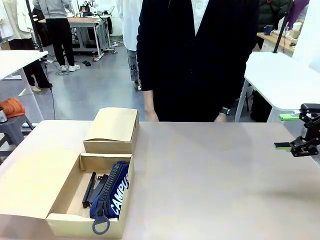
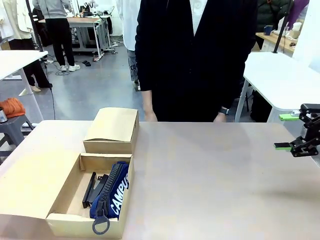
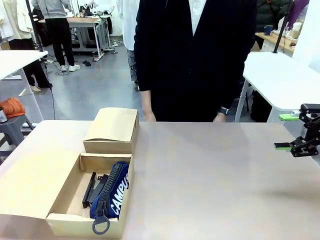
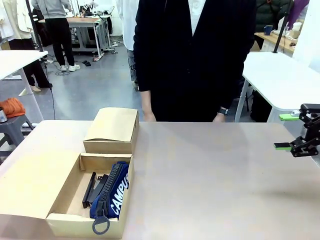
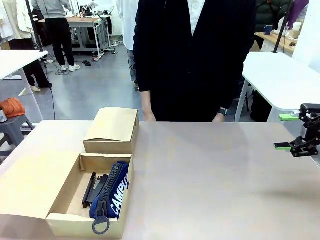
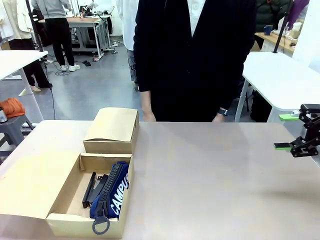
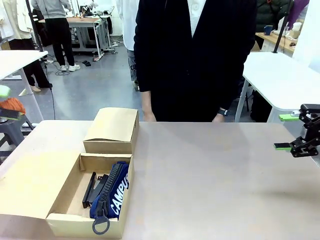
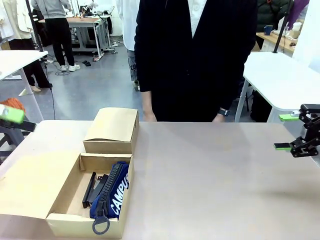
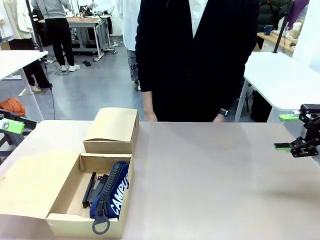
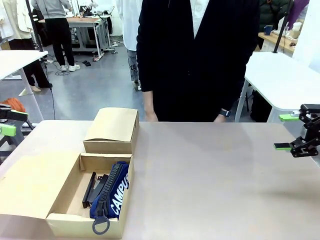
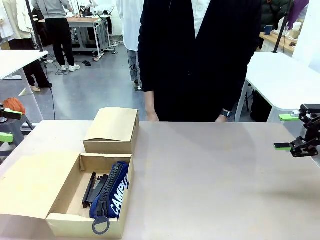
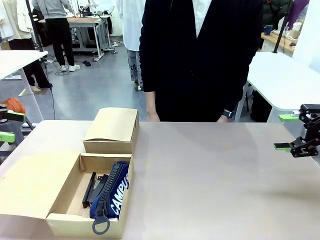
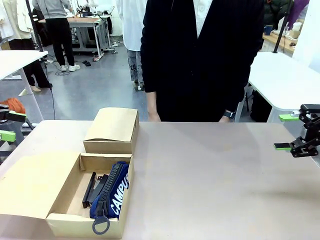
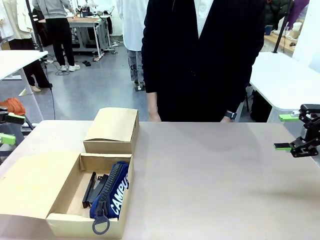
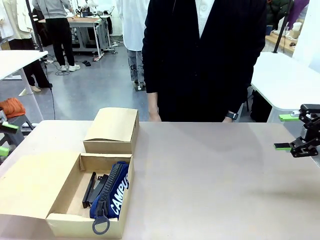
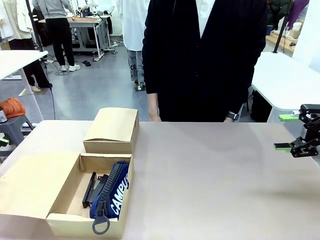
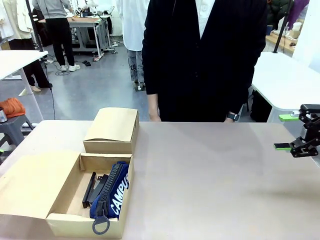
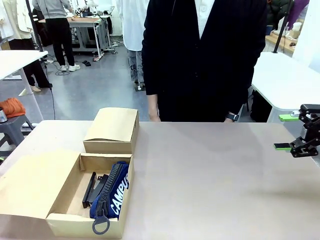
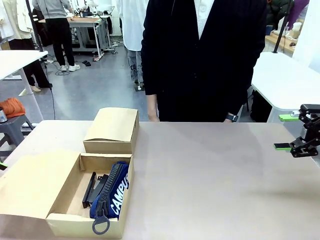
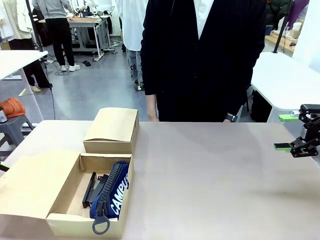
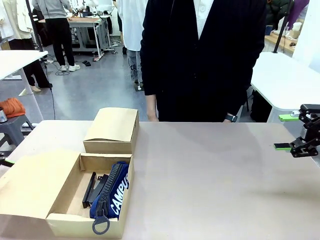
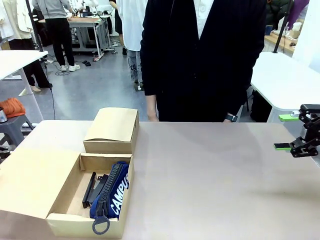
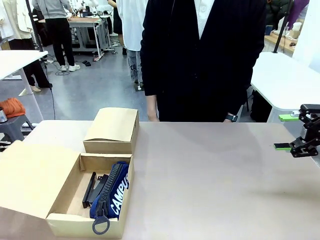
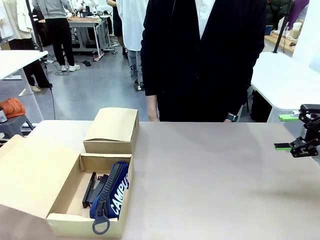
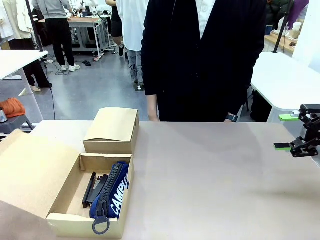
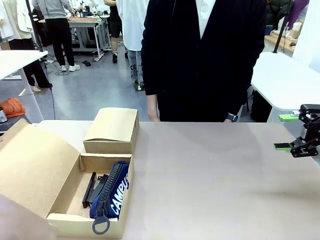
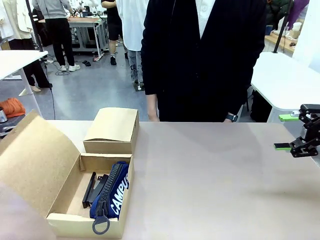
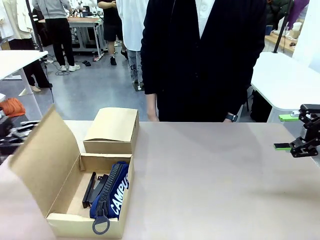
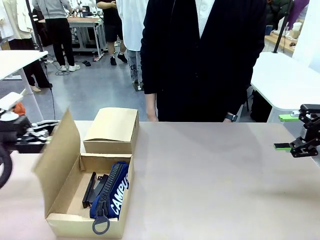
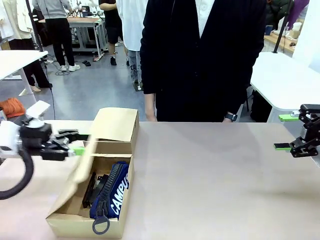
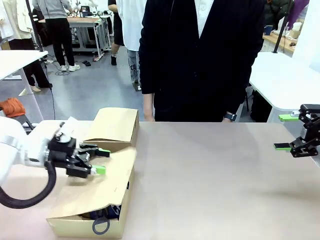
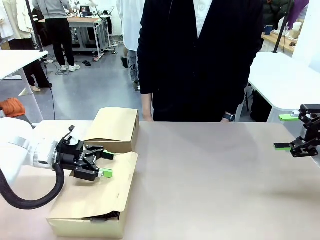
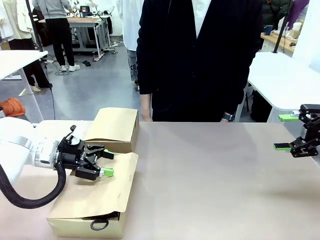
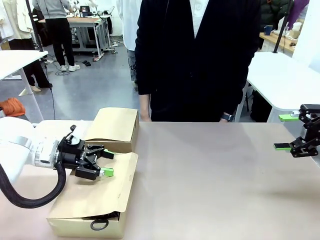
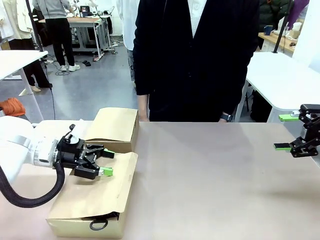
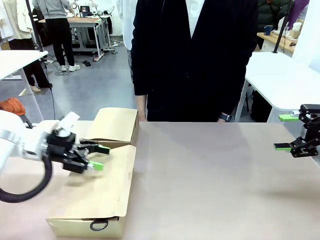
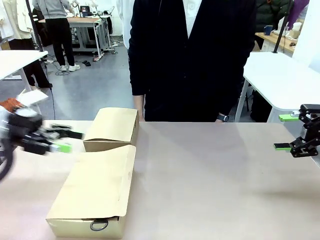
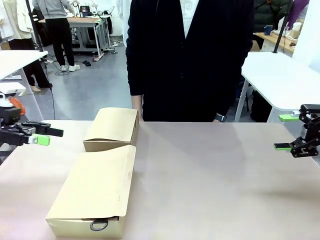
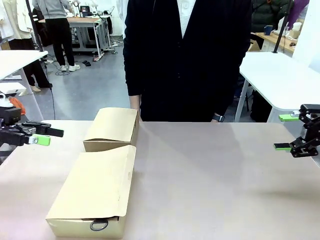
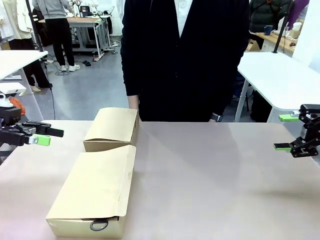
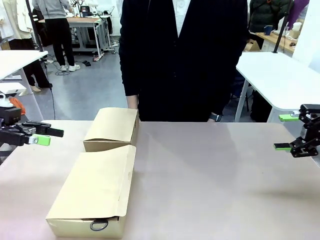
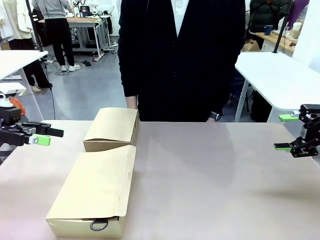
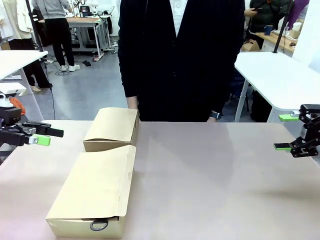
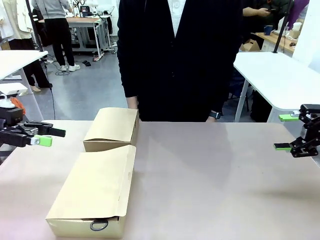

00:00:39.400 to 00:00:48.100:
Task: Place items inside the box.
Robot: Close the lid of the Mailer Box closest to the robot.

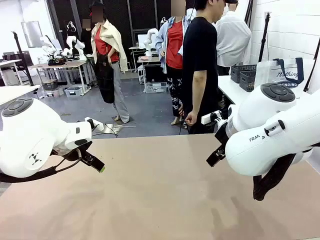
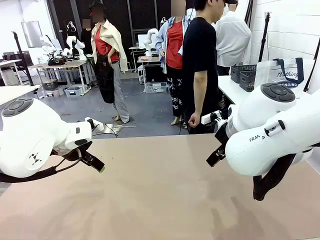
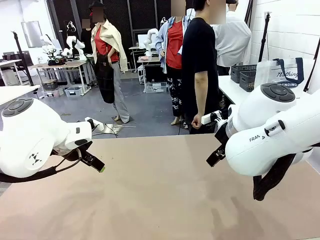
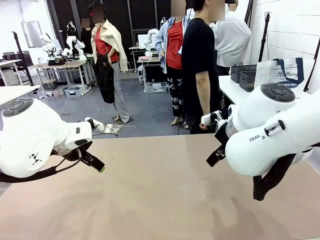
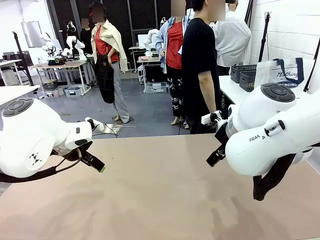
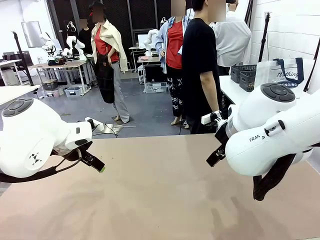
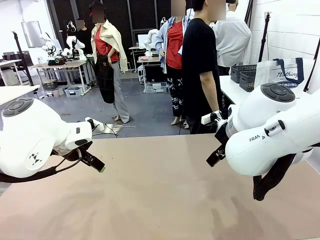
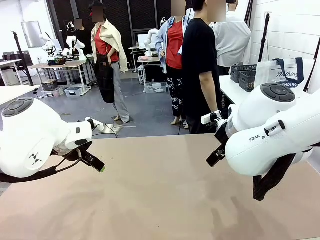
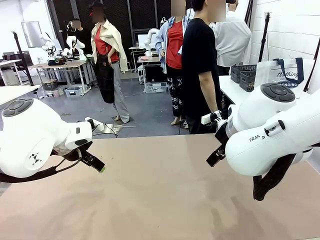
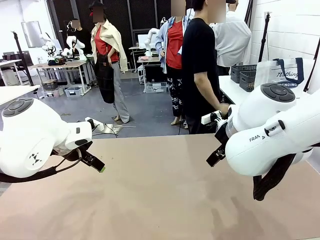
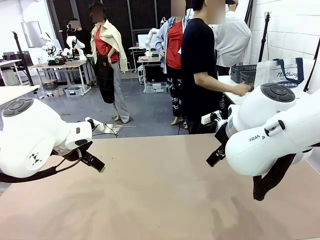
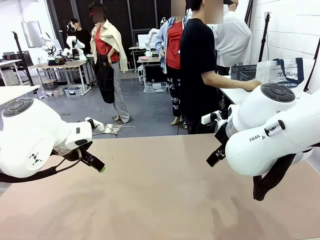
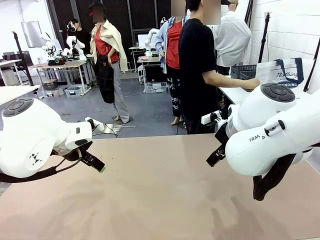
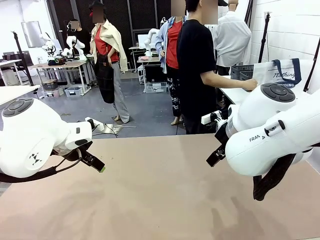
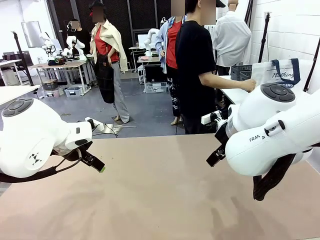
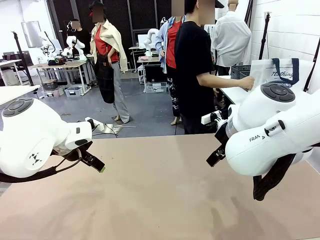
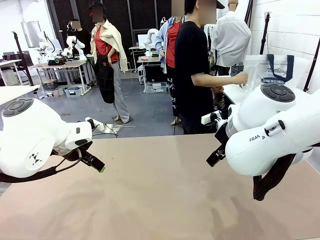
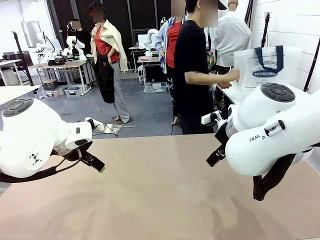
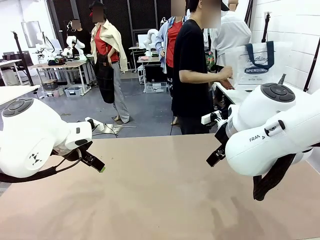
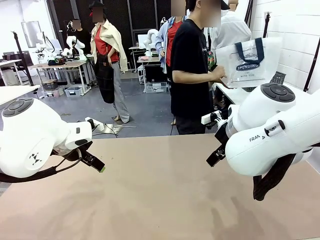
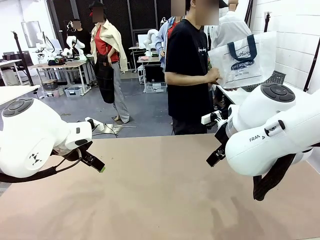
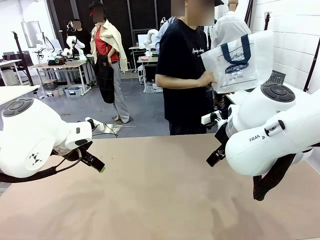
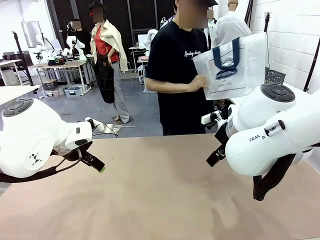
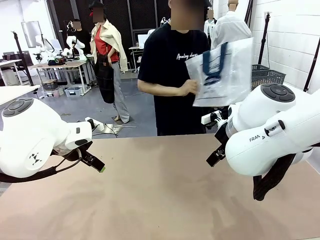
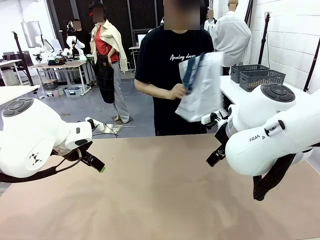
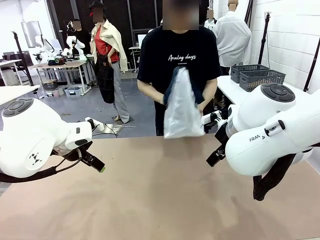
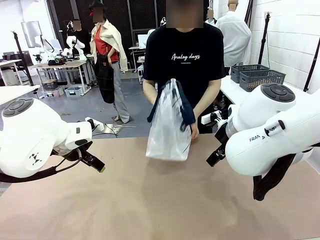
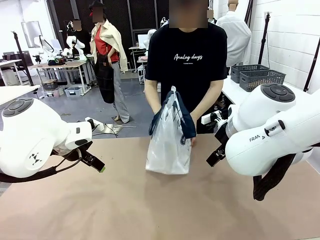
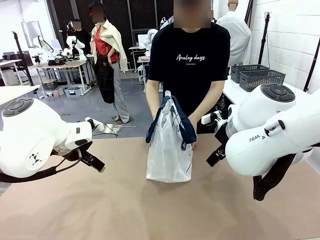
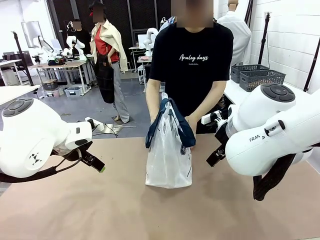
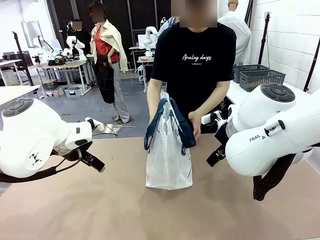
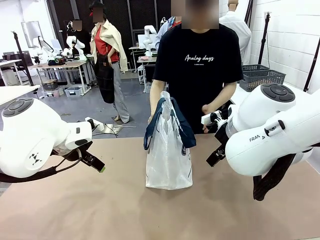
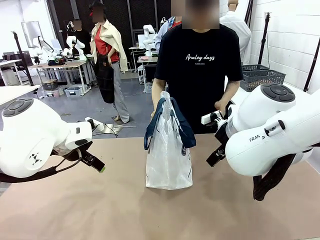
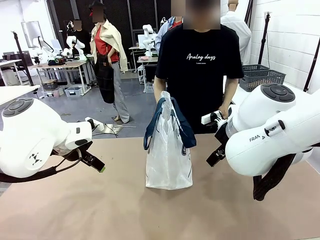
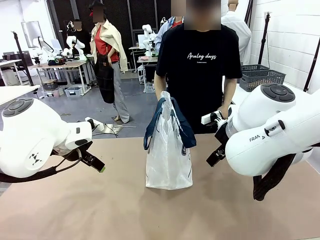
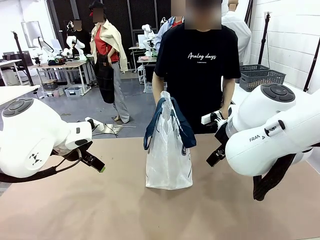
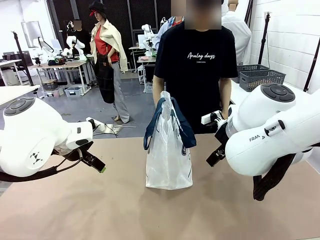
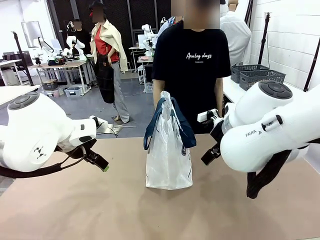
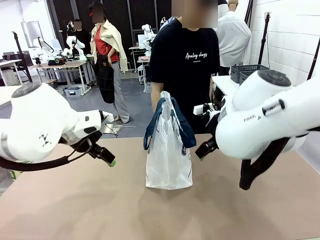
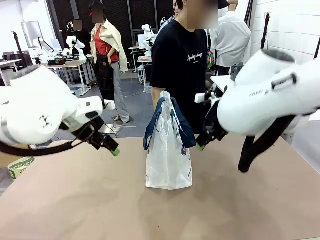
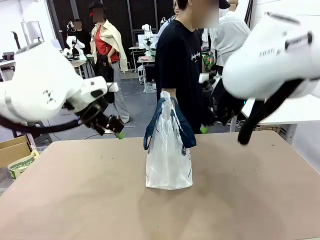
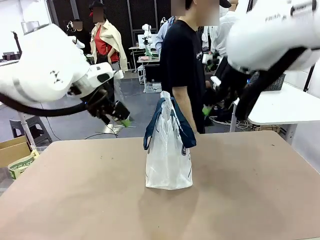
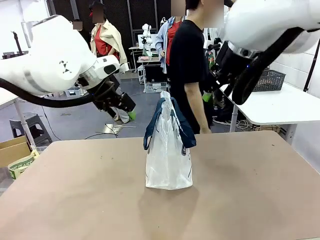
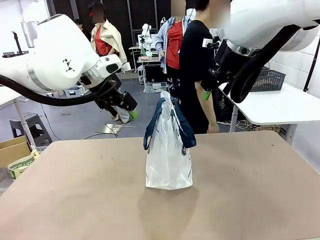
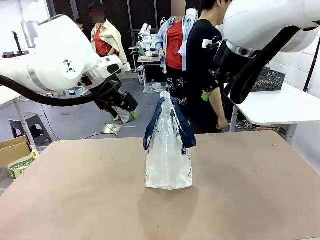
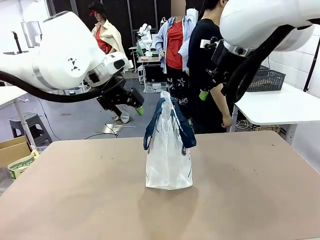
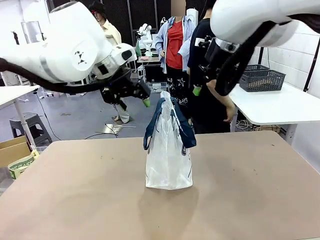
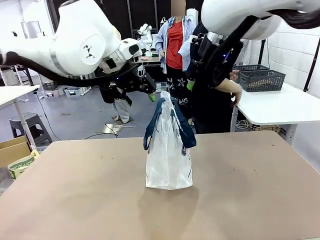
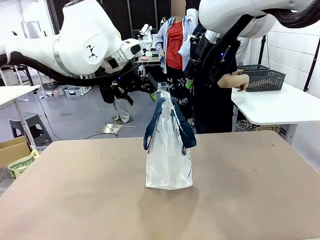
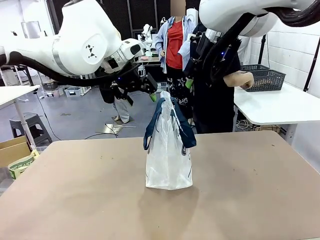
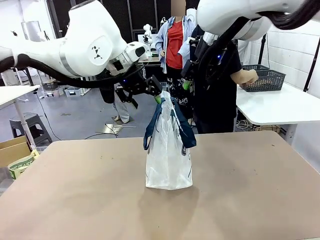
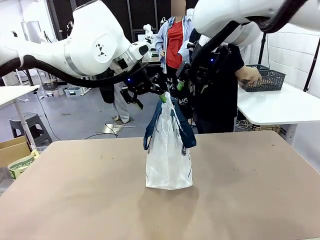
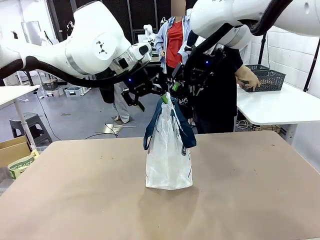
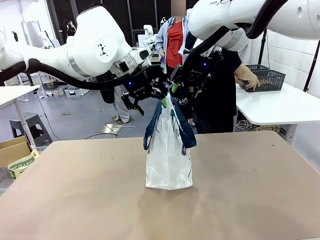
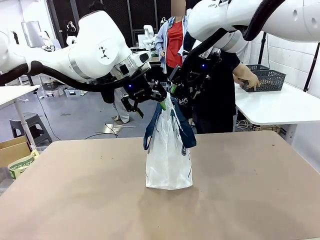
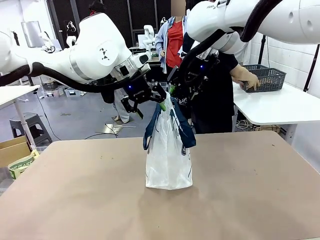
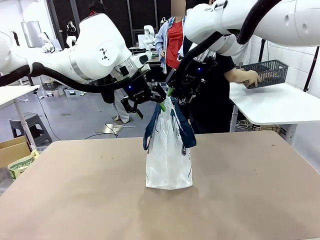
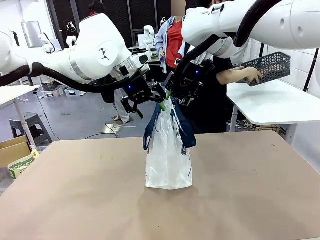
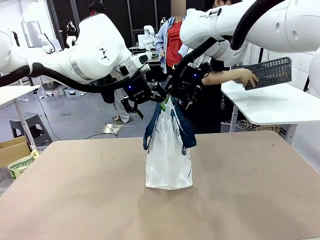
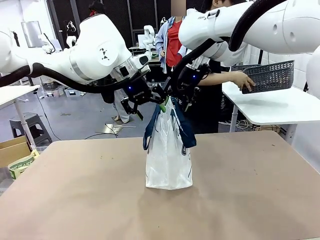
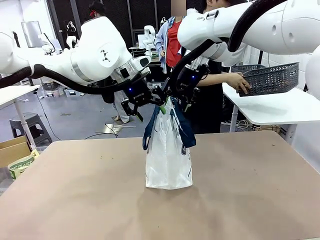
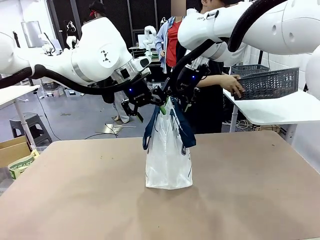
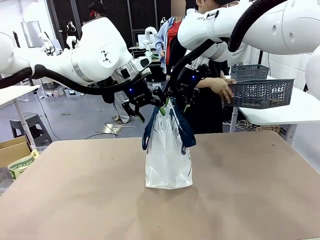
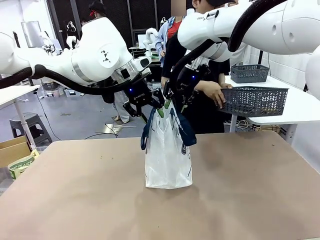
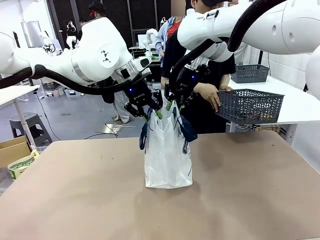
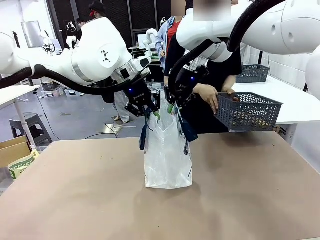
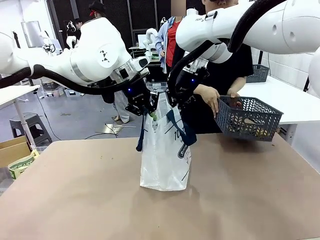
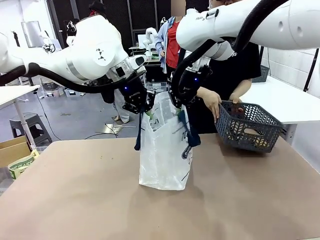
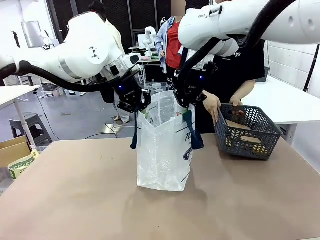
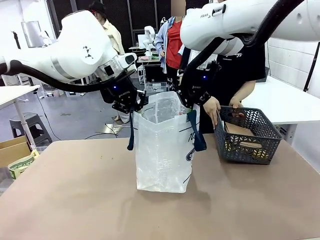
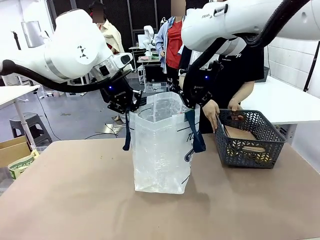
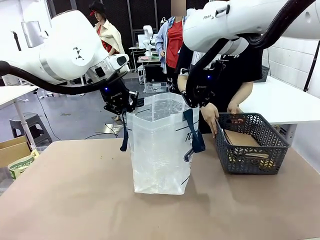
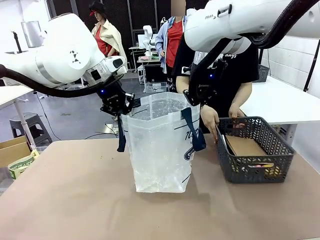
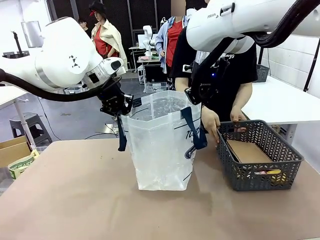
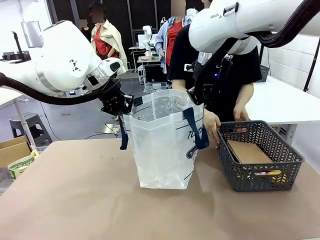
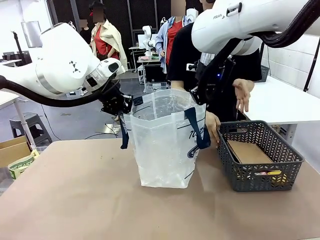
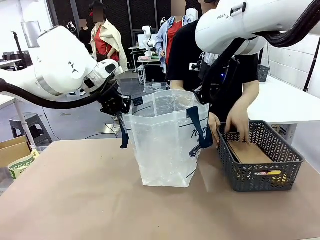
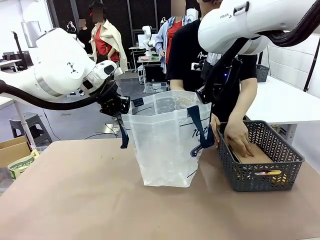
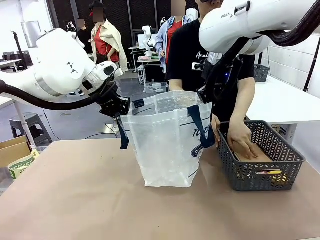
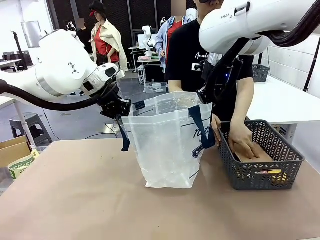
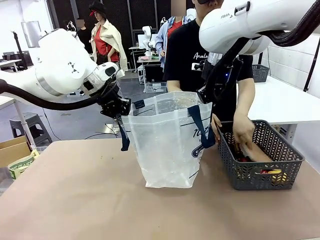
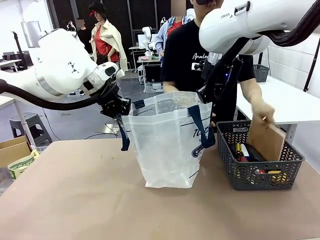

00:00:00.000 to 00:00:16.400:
Task: Transfer purchased items from the store into the shopping bag.
Robot: Open the Reusable shopping bag in the center of the table.
Person: Pick up the shopping bag and place it in the middle of the robot table.
